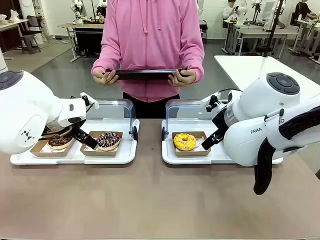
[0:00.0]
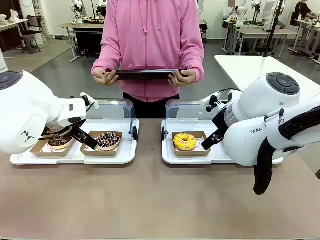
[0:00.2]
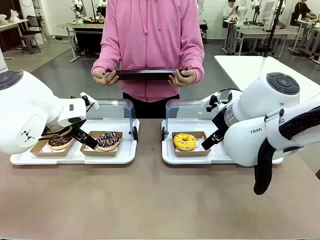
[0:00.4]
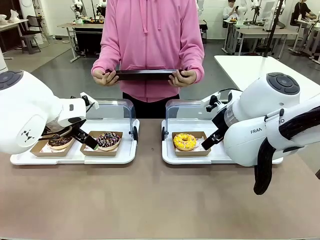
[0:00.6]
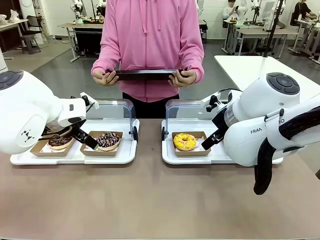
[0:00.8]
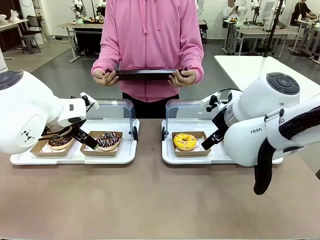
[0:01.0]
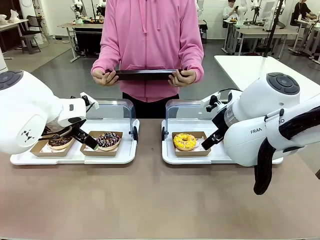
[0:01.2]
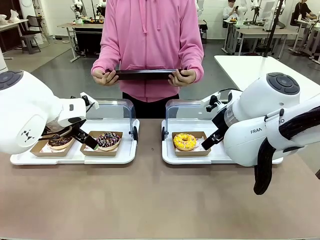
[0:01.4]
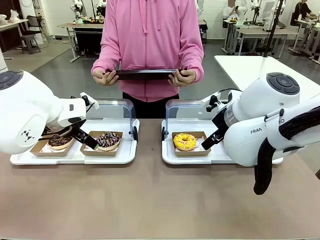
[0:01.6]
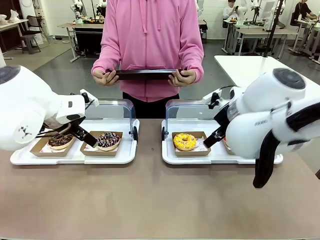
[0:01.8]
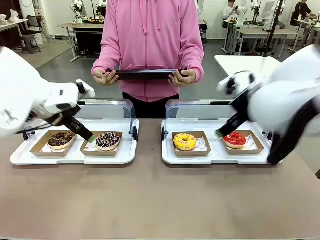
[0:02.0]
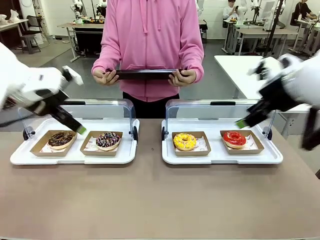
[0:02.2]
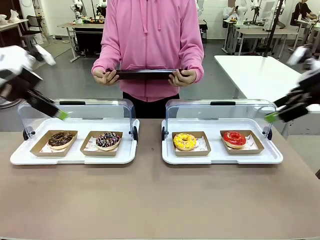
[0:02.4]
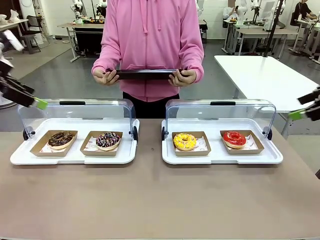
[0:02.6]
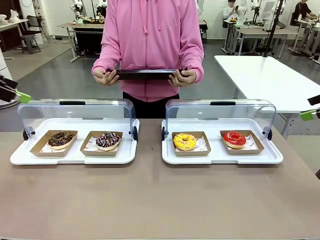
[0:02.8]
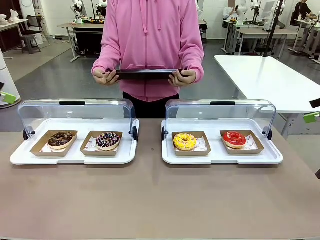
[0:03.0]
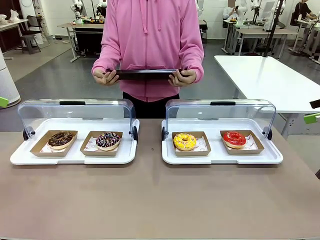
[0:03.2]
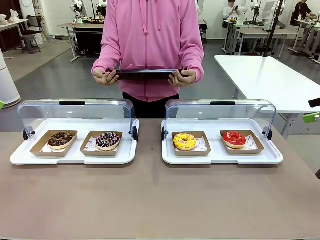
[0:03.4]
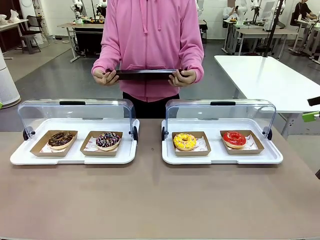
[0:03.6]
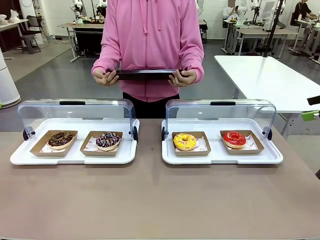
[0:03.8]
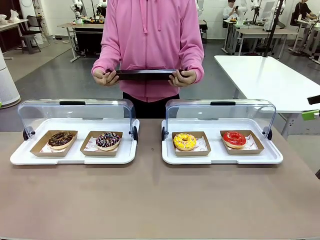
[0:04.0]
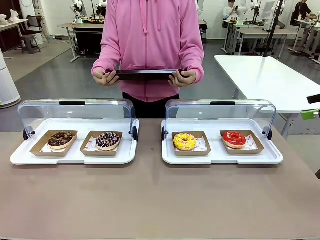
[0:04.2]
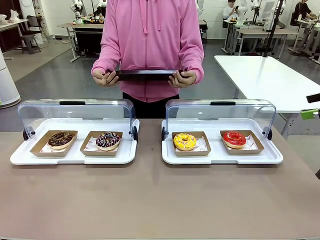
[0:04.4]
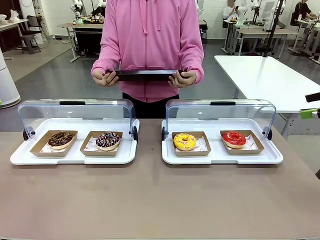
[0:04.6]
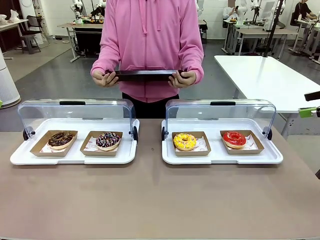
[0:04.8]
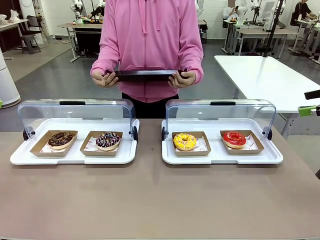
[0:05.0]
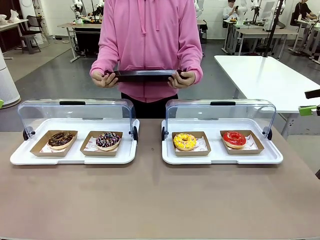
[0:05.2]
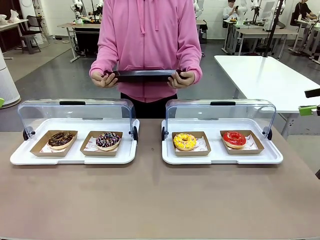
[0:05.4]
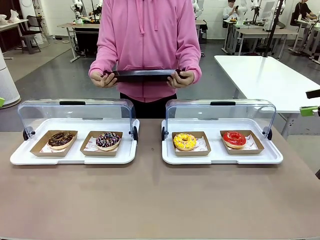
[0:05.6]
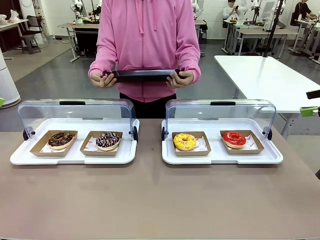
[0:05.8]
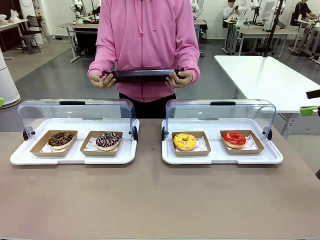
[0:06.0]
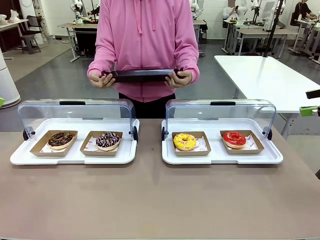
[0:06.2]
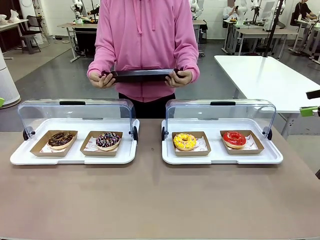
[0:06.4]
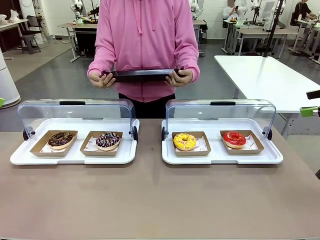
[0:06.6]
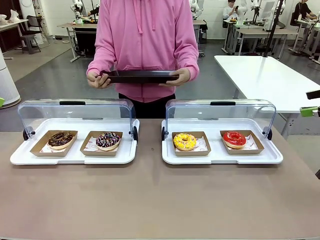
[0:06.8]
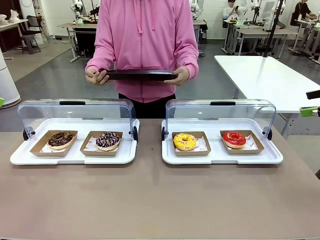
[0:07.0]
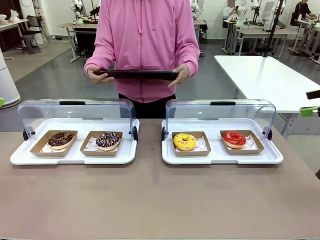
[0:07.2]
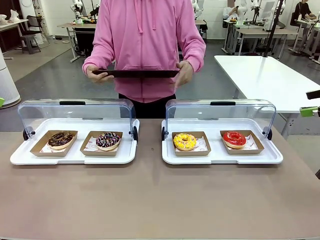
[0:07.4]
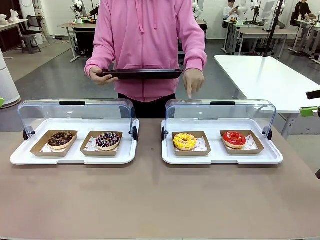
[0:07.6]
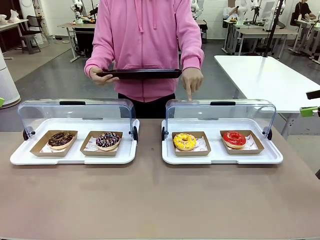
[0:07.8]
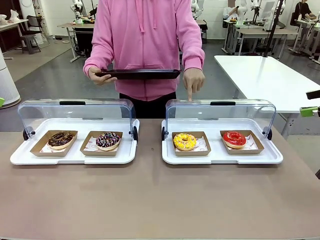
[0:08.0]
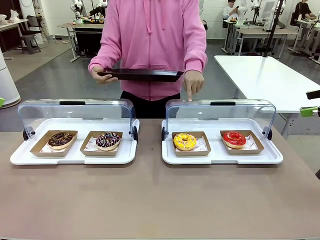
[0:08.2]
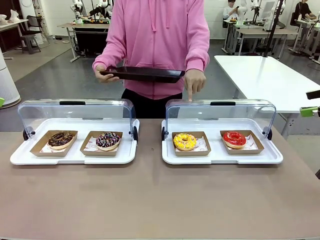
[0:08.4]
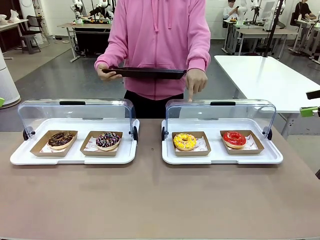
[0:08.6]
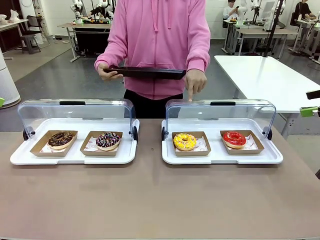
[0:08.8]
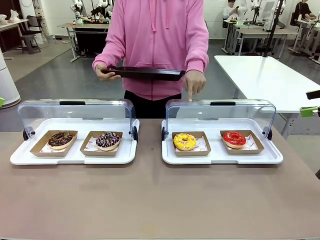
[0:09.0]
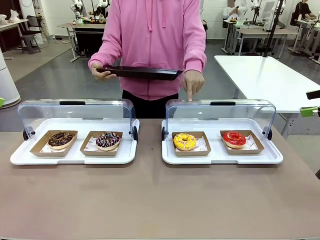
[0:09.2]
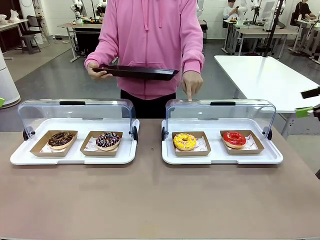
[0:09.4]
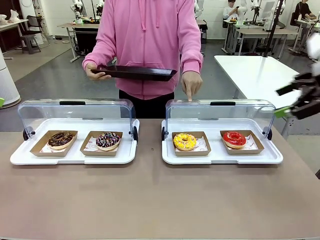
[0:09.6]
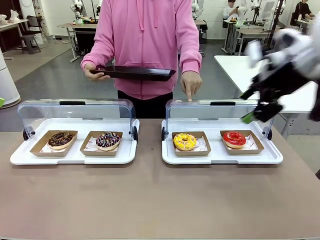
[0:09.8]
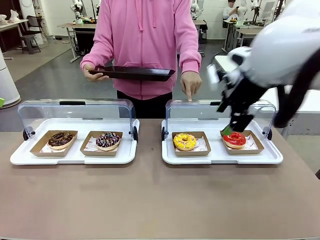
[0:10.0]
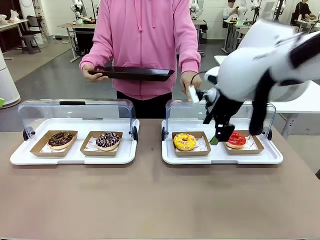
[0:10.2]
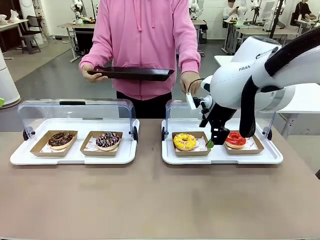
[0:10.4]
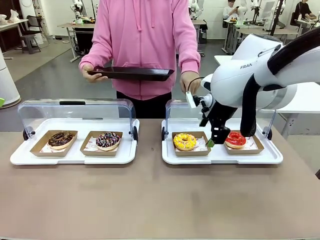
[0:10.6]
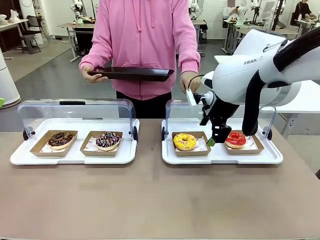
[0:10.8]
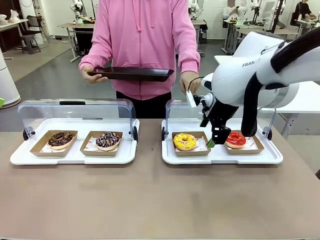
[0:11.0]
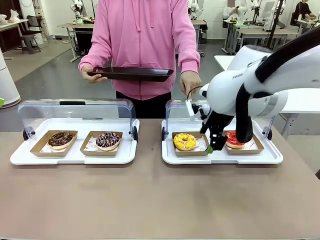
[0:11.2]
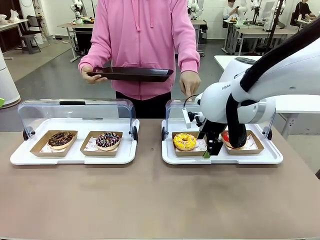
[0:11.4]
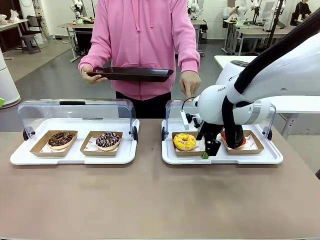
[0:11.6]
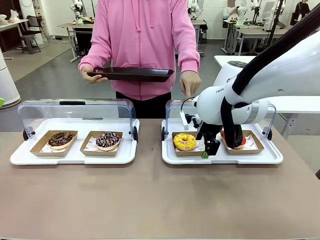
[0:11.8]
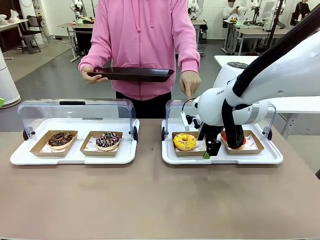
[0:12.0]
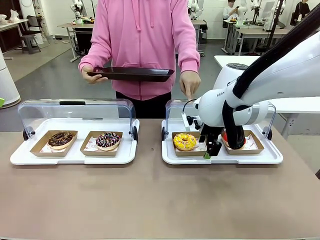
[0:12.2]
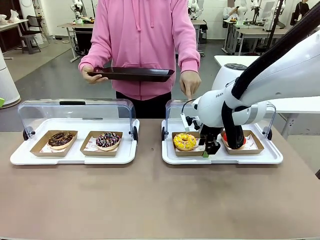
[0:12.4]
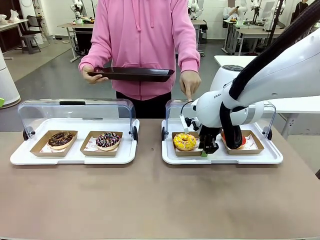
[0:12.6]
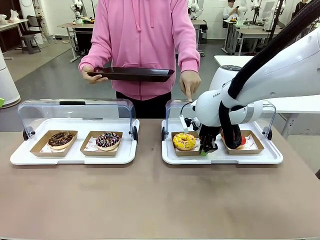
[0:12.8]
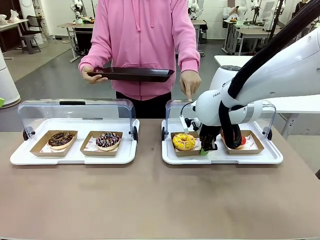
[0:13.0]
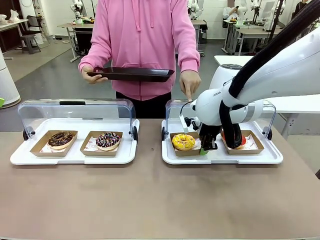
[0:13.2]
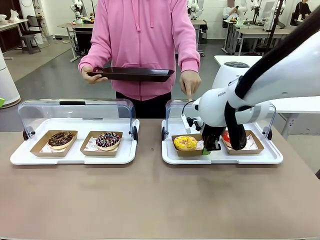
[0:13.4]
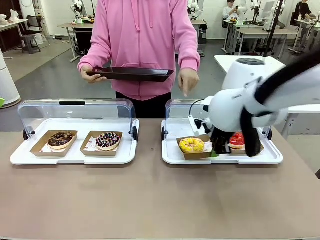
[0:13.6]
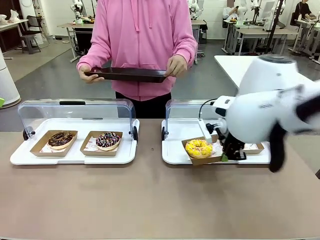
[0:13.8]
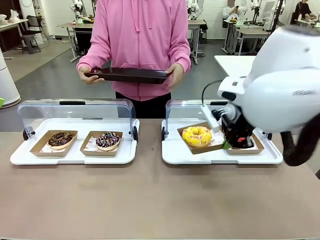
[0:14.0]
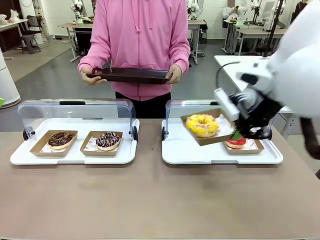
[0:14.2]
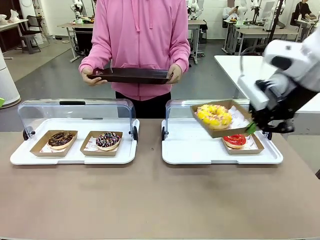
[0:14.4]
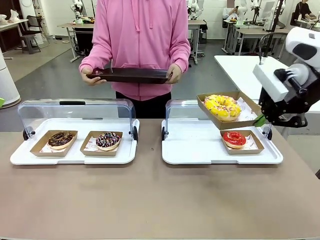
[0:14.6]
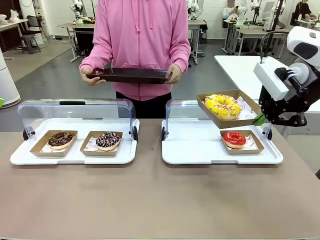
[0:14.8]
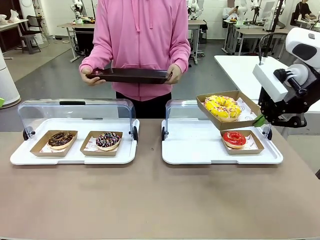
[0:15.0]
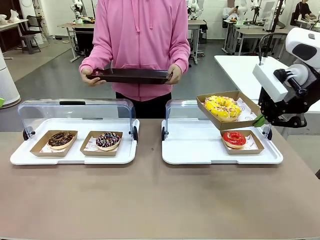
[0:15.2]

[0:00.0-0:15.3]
Task: Provide the desired donut to the person.
Robot: Pick up and lift the Paper togo box containing the Donut pointed at by the person.
Person: Point to one donut. Lift the tray onto the Roll-Top Bakery Case.

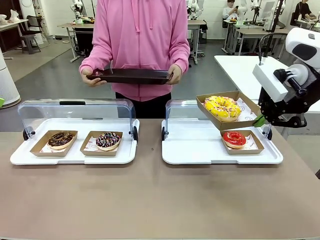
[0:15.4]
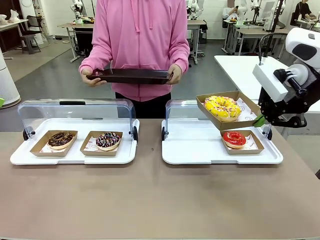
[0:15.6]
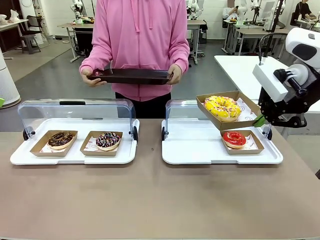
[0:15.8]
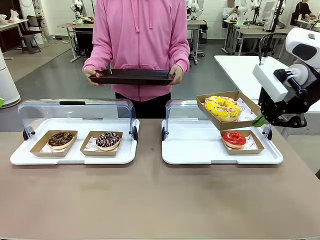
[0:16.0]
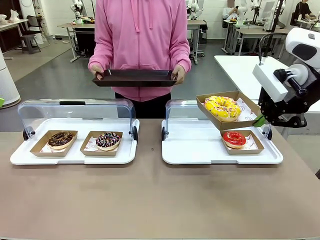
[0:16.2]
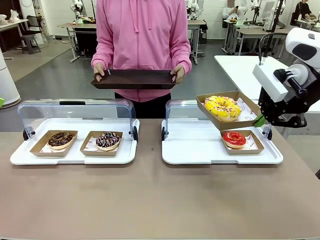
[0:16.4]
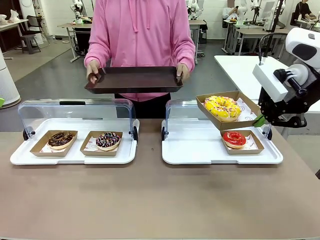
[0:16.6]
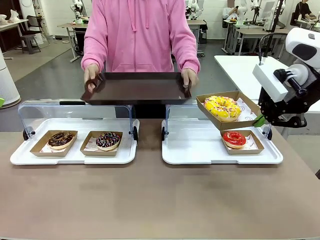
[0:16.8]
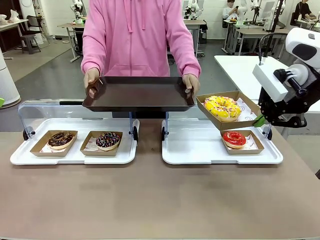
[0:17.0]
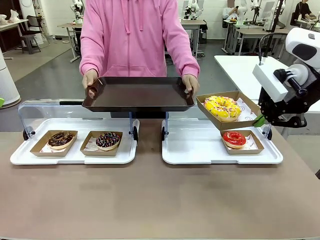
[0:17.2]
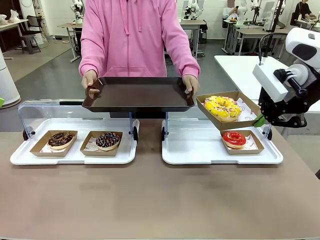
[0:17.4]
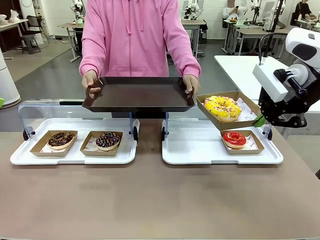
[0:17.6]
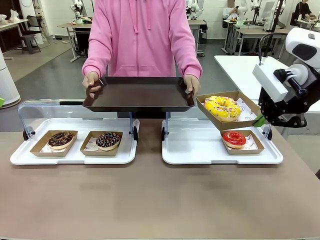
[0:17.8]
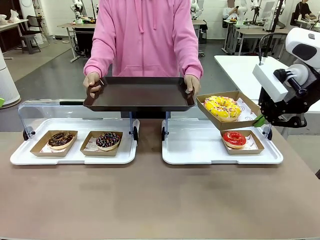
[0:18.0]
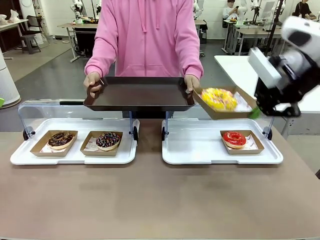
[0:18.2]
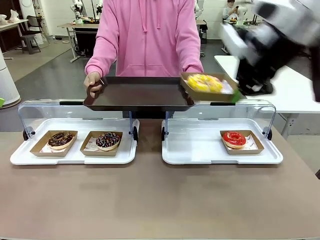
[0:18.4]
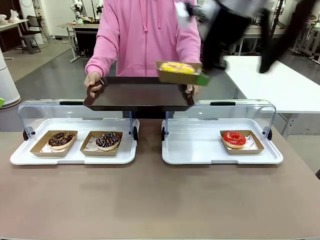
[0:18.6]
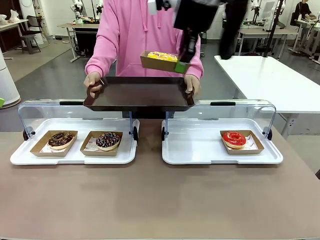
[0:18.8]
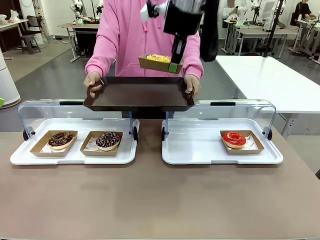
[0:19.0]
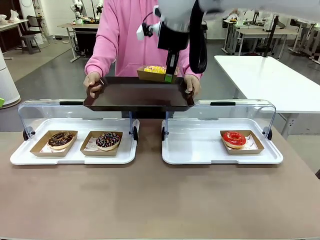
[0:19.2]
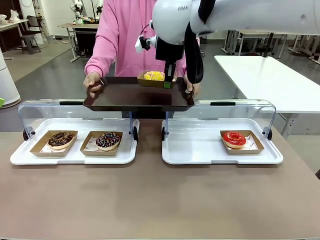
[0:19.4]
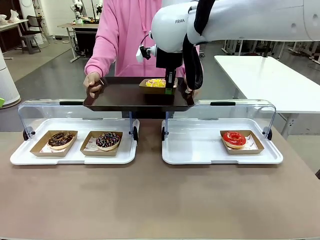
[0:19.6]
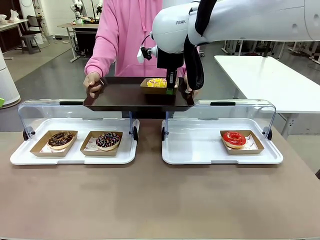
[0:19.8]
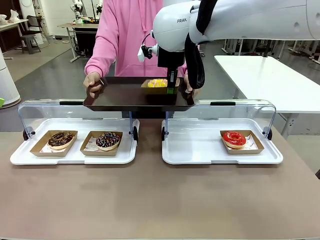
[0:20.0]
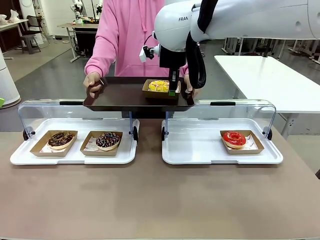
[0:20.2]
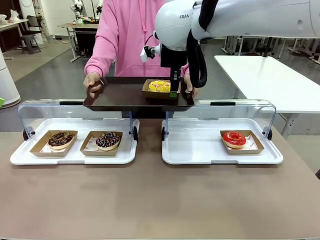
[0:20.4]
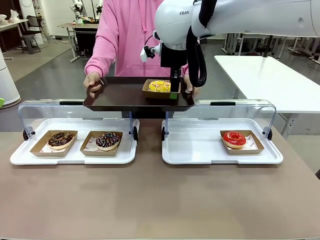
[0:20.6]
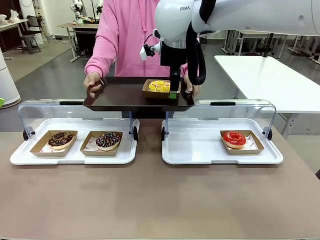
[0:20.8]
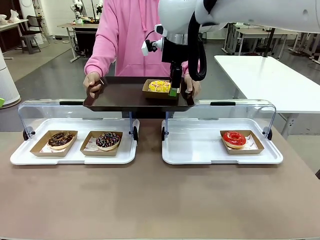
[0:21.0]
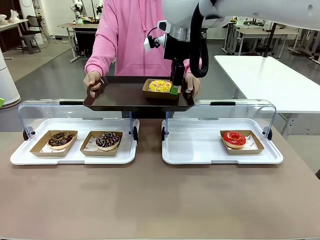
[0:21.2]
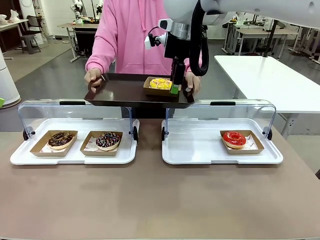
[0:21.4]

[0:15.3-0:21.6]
Robot: Place the picked Paper togo box onto the Handle tray extended by the person.
Person: Point to one donut.
